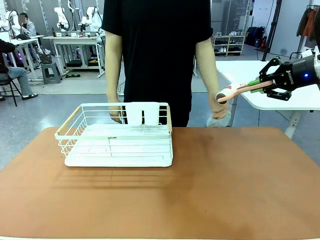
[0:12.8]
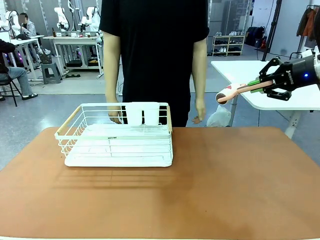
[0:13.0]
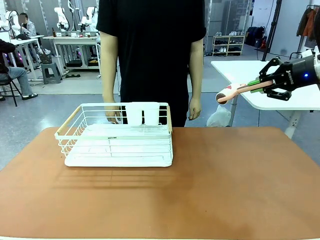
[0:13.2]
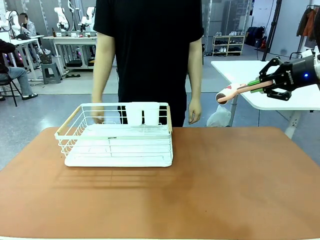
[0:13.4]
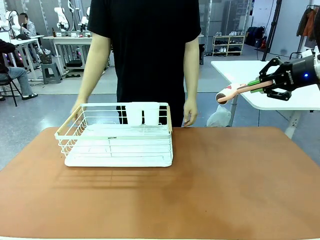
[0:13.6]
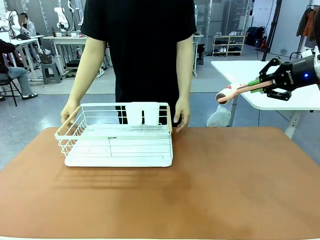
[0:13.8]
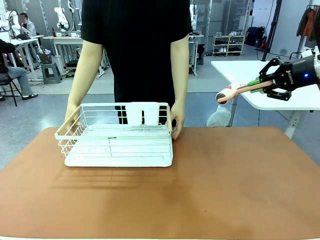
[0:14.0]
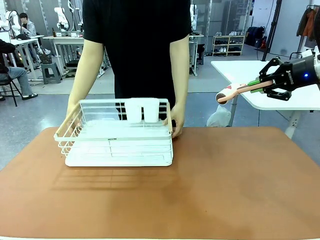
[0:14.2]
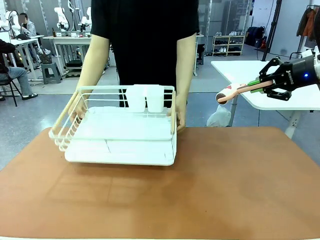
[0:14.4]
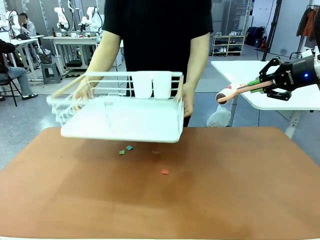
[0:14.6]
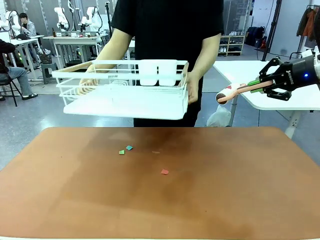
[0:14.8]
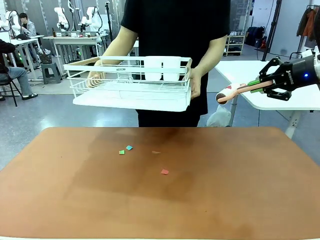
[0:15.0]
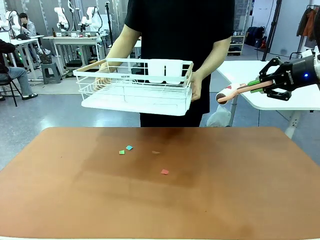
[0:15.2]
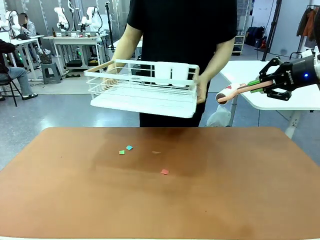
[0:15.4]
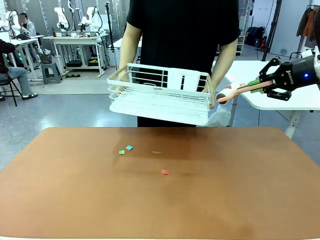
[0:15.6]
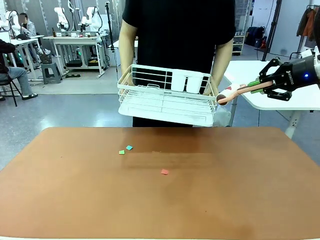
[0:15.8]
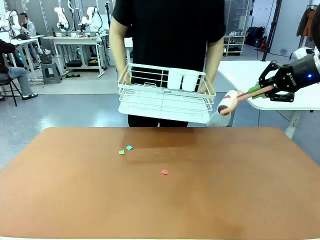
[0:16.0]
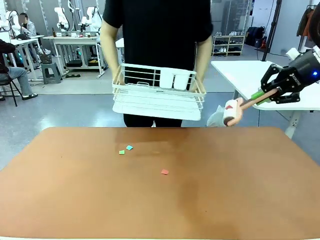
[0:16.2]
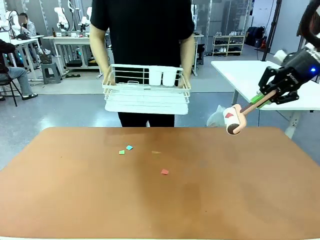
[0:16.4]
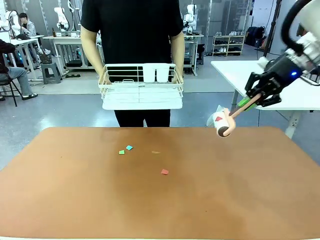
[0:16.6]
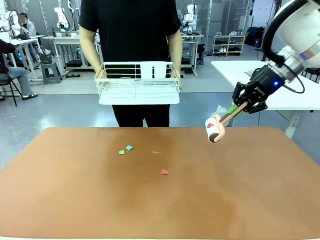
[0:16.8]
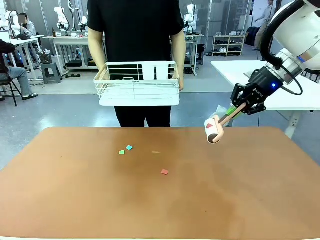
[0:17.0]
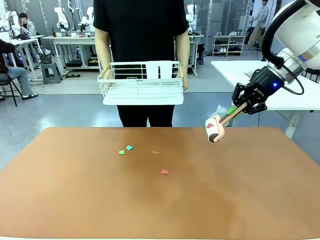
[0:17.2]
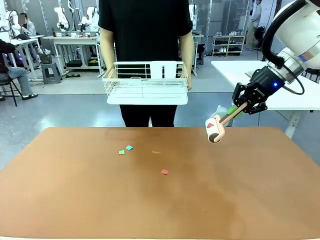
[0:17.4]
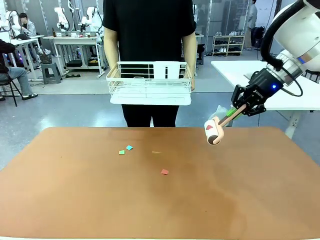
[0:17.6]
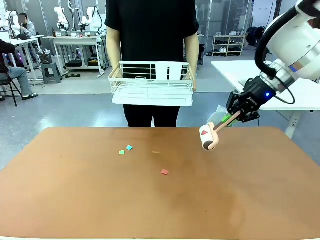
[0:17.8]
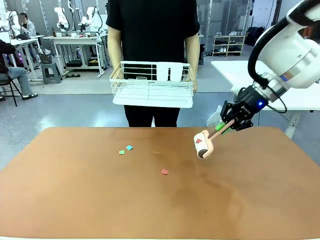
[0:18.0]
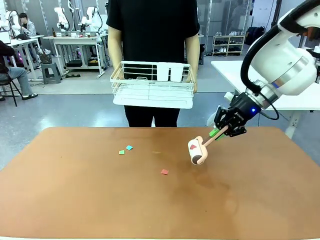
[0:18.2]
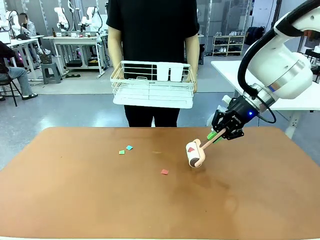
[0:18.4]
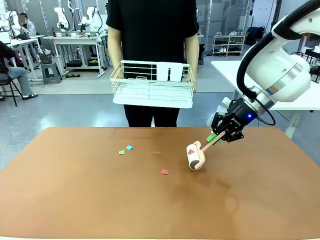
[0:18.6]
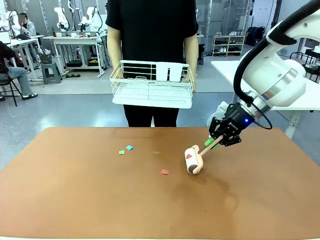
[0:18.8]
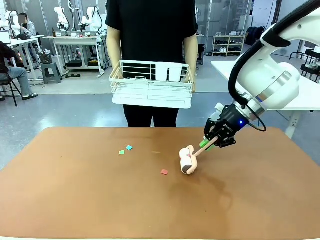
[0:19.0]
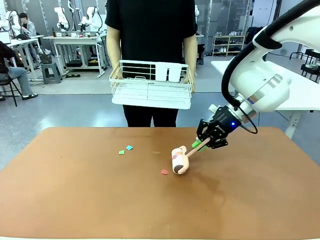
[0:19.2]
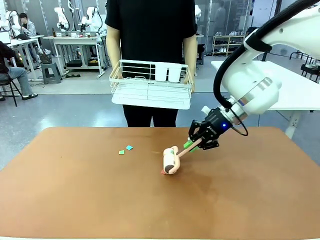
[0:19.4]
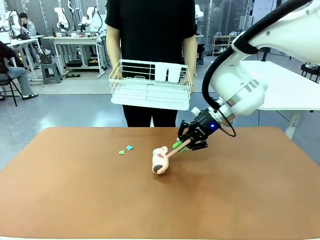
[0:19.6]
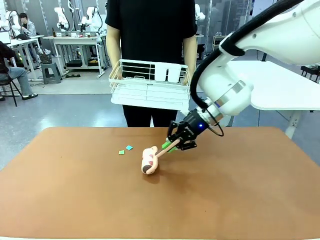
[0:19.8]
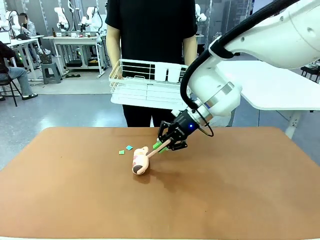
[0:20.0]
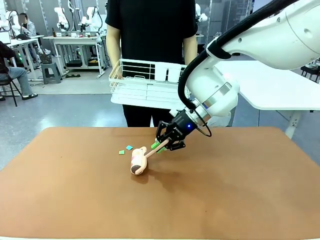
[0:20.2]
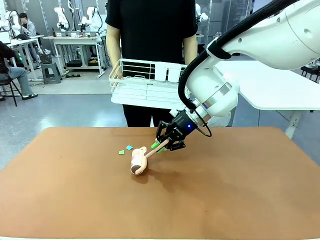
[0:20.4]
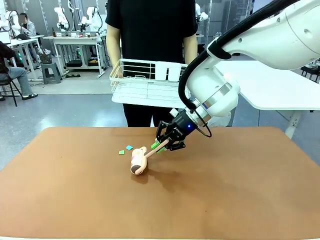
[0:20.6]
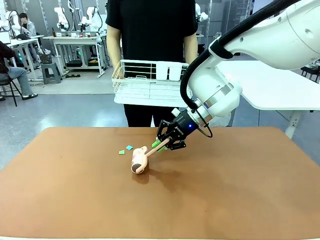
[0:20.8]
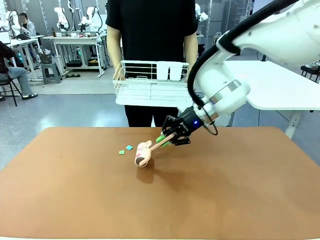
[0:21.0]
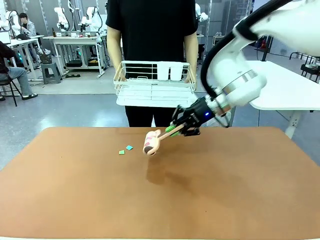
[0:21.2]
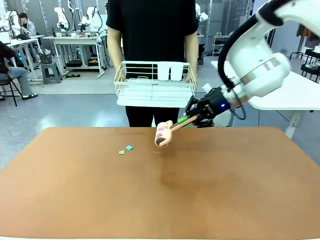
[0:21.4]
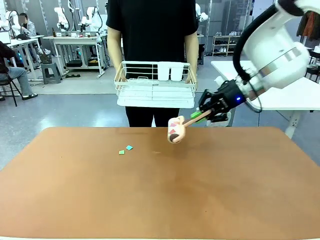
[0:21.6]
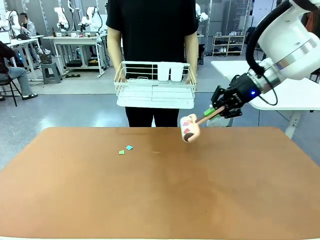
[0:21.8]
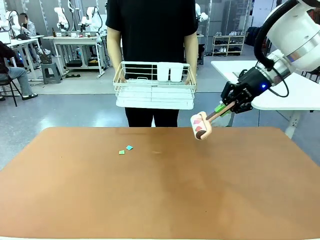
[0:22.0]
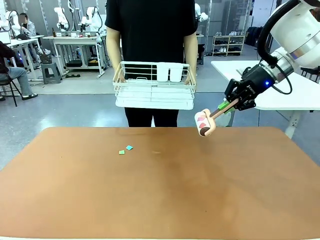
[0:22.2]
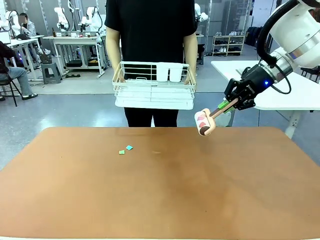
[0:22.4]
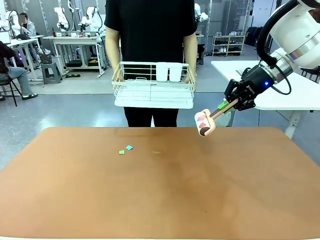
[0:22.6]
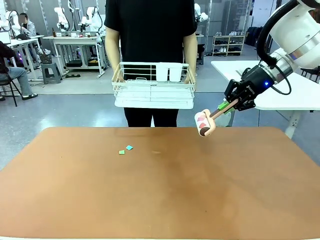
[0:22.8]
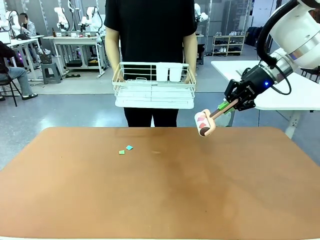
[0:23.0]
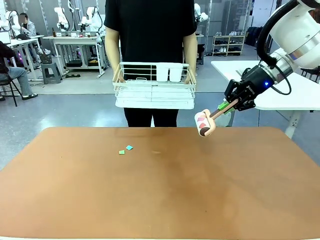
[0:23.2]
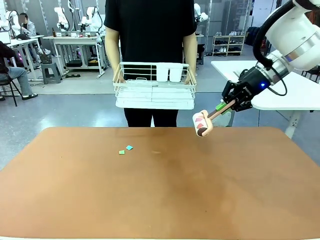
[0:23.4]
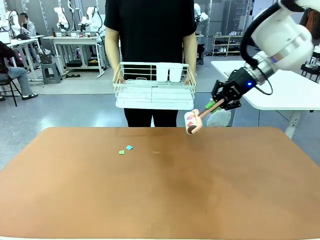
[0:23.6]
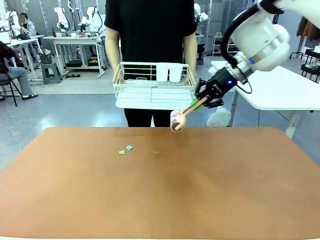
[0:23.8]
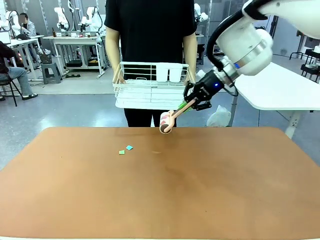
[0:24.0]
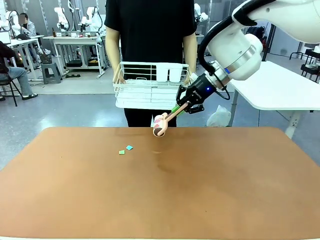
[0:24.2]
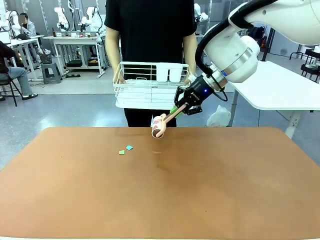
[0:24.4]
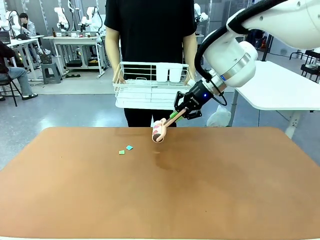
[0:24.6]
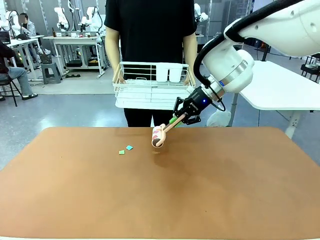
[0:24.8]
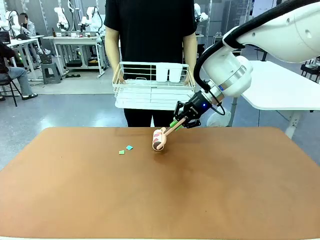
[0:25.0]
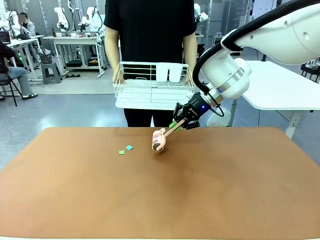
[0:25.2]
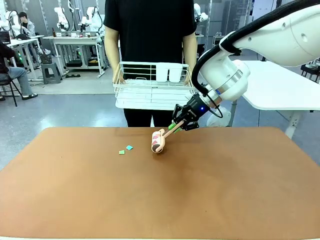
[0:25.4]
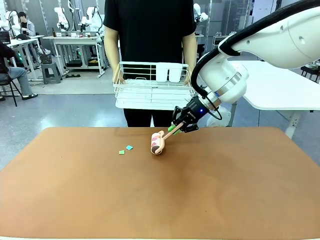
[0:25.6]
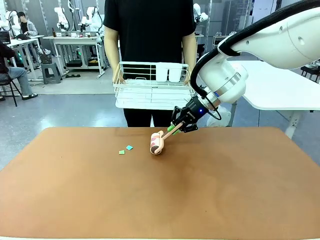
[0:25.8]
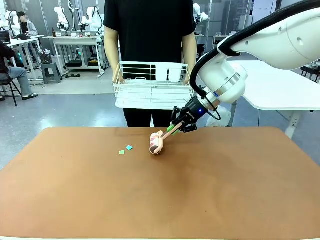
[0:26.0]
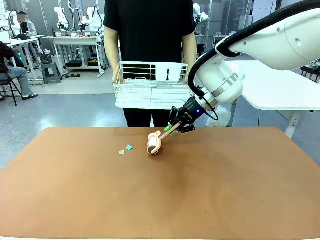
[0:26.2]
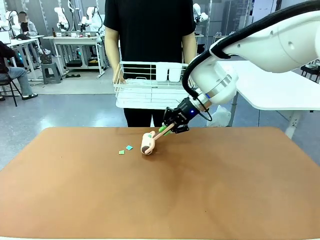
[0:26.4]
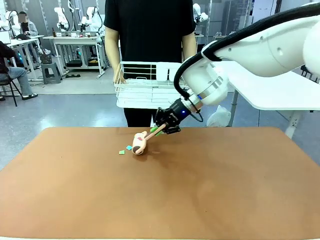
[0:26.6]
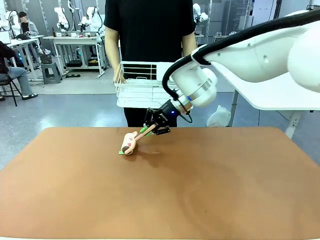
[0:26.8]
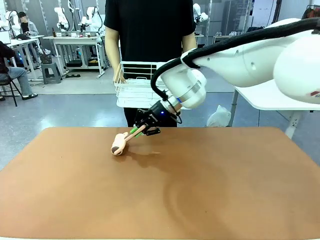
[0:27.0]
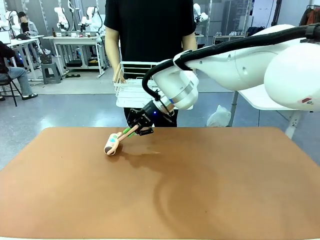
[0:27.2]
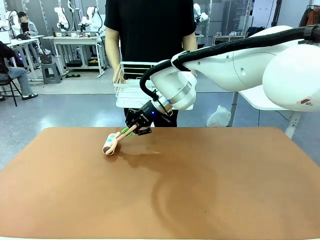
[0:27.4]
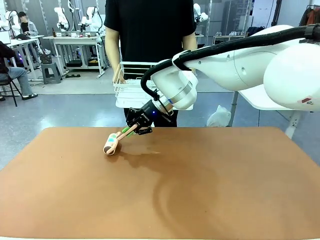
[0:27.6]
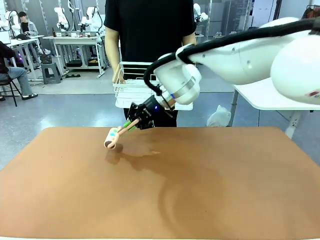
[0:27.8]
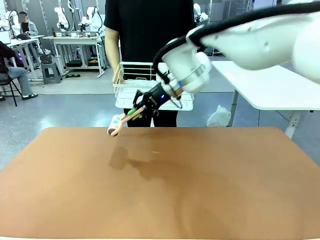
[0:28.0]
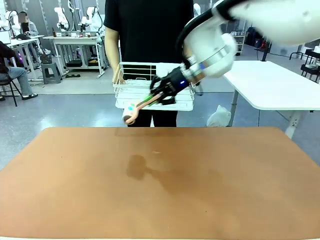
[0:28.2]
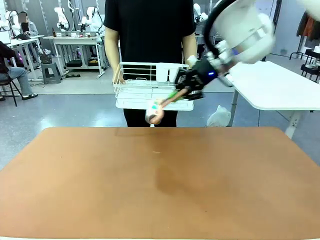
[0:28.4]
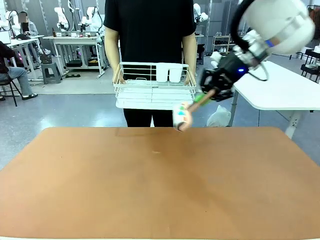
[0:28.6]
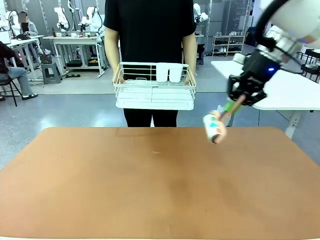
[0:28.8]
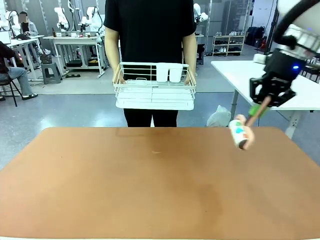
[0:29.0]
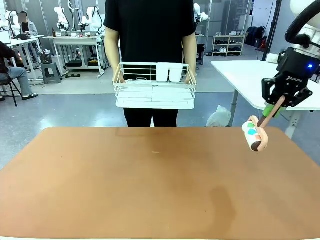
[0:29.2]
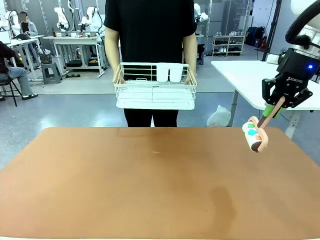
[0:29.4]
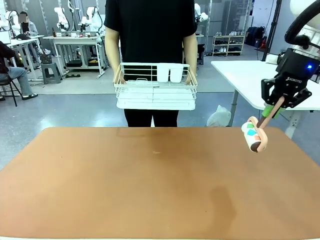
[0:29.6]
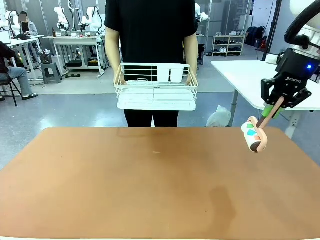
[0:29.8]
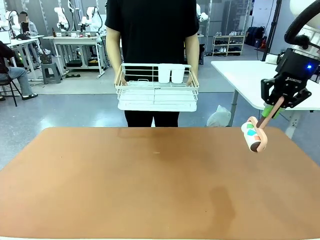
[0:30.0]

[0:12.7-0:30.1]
Task: Clean the table.
Robot: Clean the table with the Lint Roller when the human lifts the Dish drying rack.
Person: Place the Dish drying rack down when the robot finishes cleaning.
